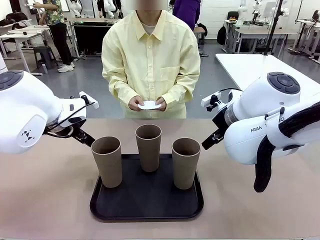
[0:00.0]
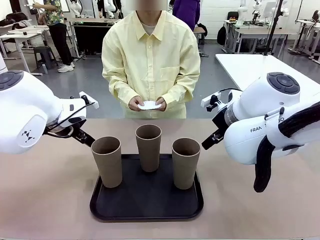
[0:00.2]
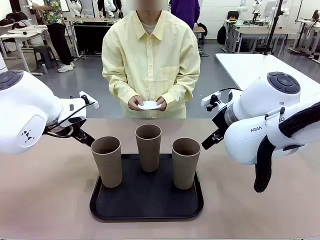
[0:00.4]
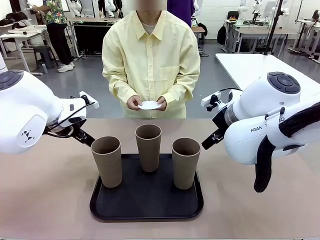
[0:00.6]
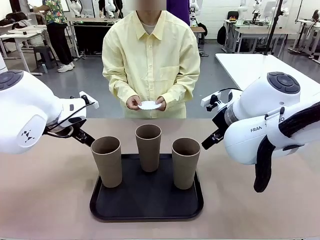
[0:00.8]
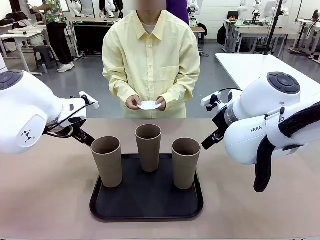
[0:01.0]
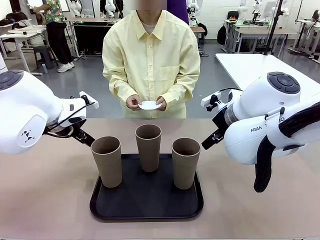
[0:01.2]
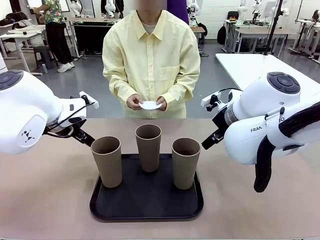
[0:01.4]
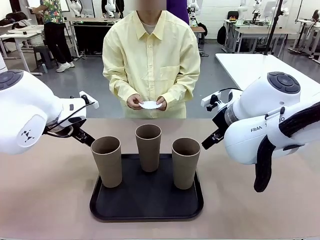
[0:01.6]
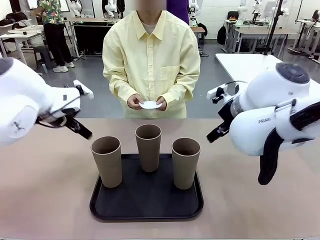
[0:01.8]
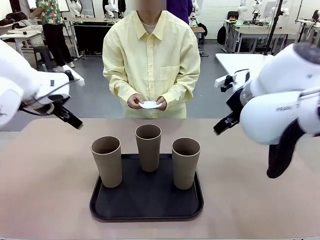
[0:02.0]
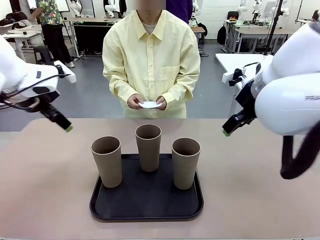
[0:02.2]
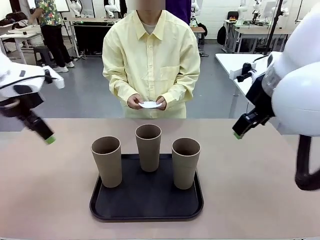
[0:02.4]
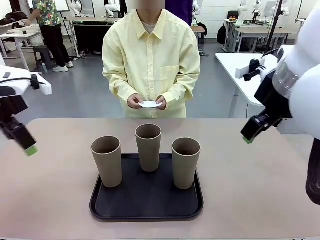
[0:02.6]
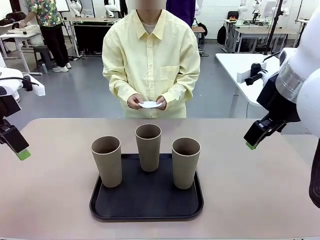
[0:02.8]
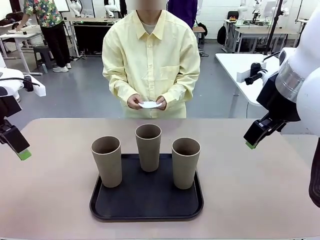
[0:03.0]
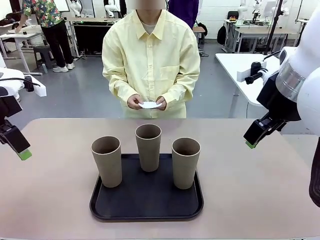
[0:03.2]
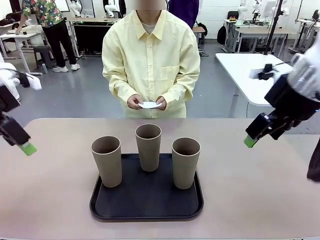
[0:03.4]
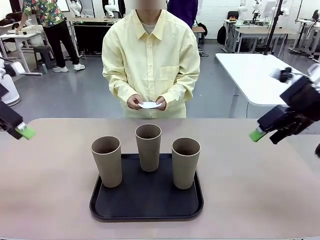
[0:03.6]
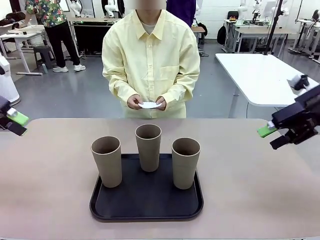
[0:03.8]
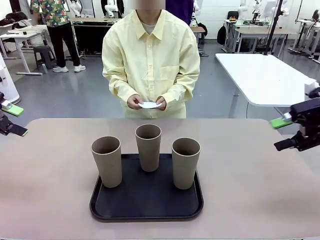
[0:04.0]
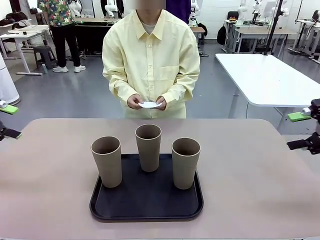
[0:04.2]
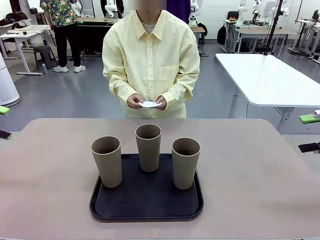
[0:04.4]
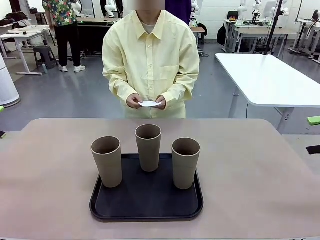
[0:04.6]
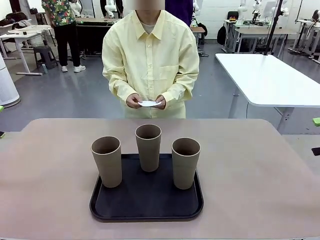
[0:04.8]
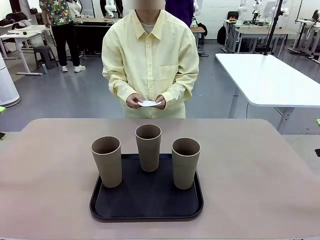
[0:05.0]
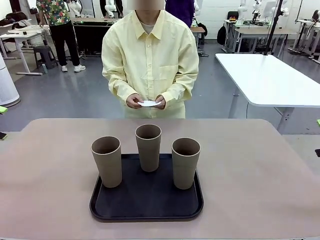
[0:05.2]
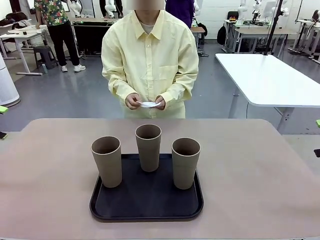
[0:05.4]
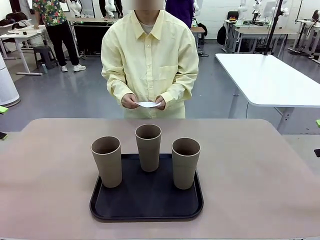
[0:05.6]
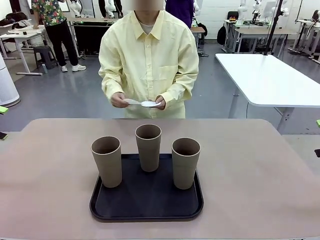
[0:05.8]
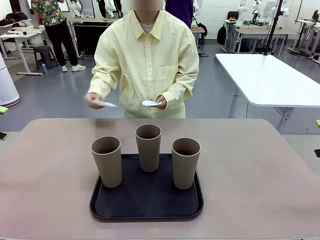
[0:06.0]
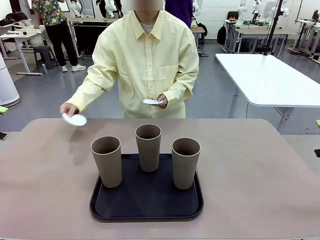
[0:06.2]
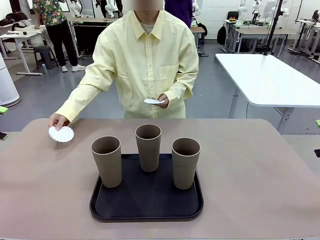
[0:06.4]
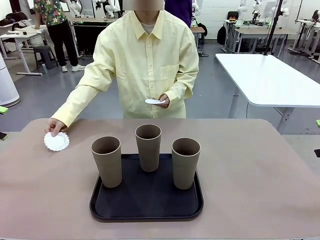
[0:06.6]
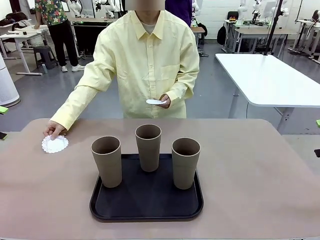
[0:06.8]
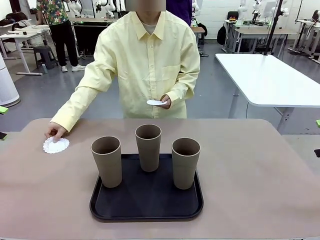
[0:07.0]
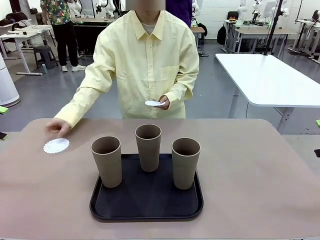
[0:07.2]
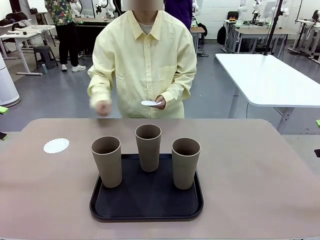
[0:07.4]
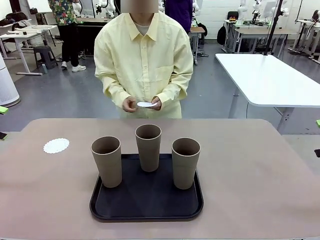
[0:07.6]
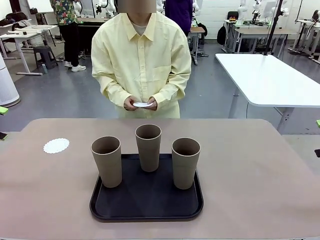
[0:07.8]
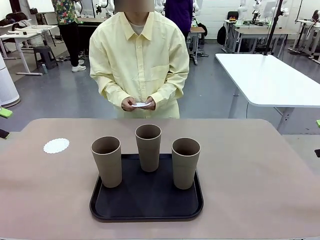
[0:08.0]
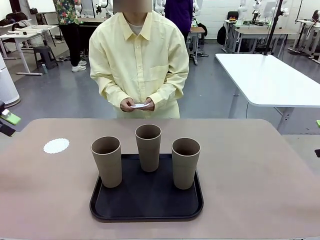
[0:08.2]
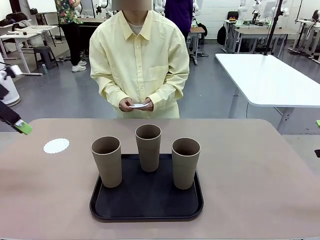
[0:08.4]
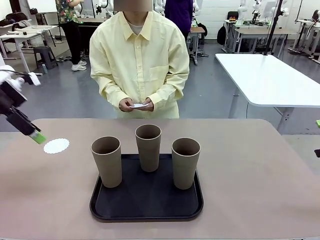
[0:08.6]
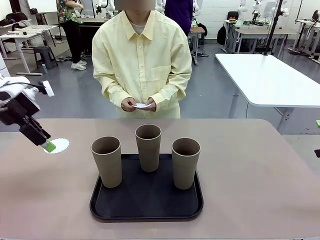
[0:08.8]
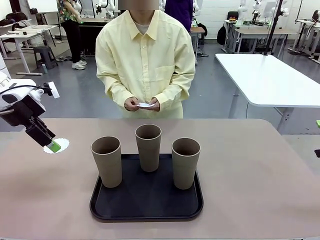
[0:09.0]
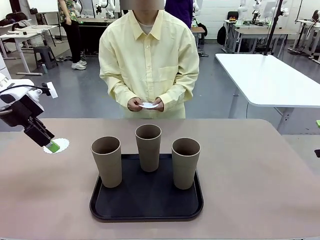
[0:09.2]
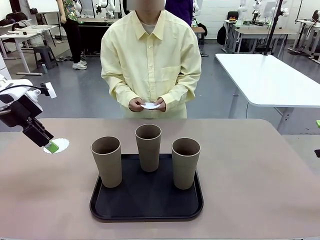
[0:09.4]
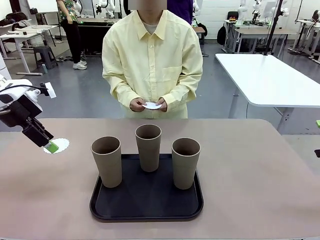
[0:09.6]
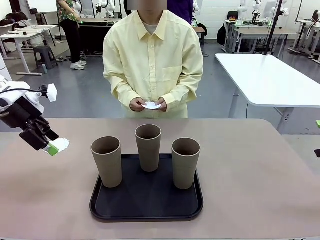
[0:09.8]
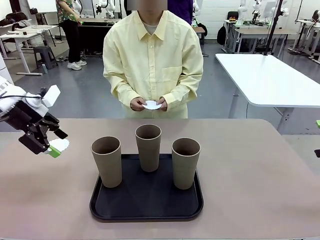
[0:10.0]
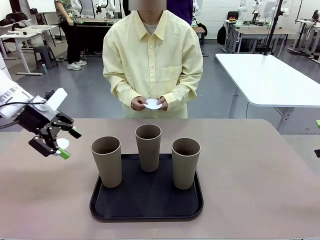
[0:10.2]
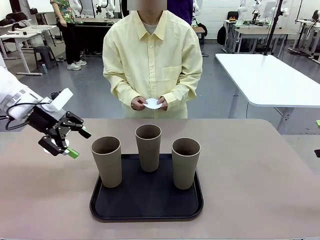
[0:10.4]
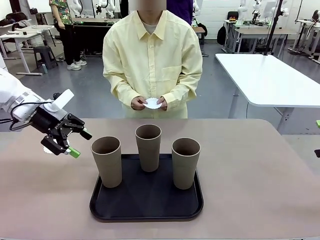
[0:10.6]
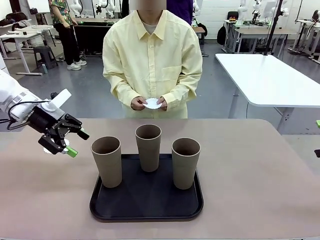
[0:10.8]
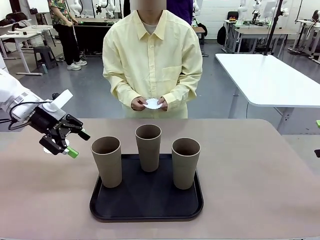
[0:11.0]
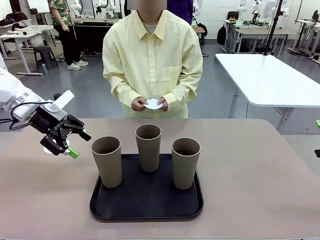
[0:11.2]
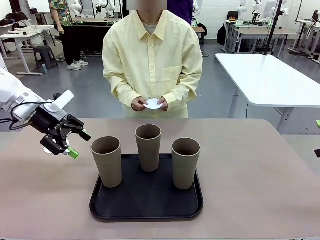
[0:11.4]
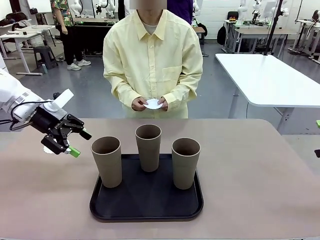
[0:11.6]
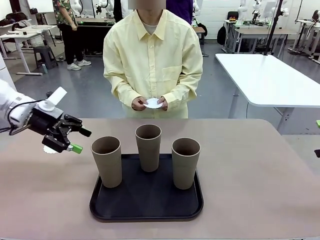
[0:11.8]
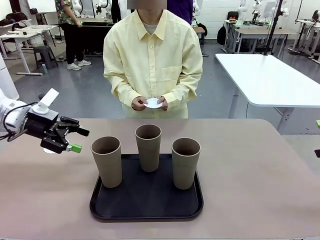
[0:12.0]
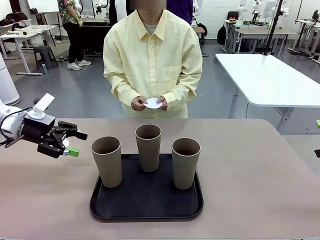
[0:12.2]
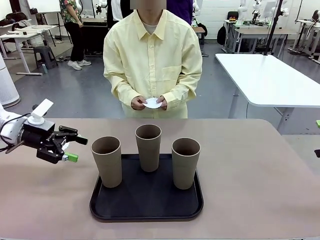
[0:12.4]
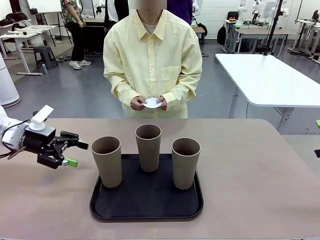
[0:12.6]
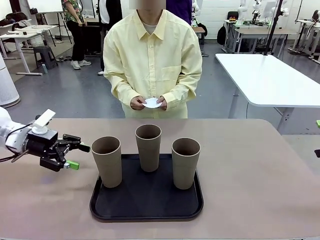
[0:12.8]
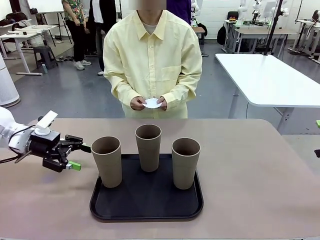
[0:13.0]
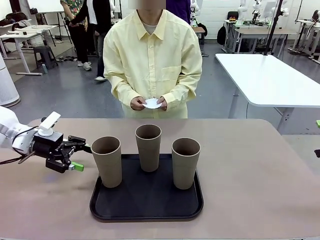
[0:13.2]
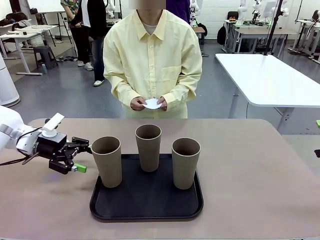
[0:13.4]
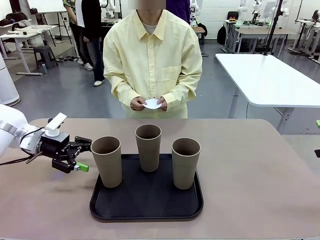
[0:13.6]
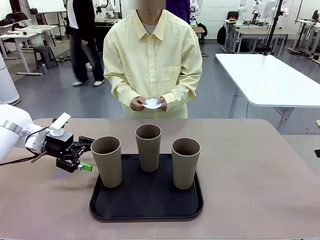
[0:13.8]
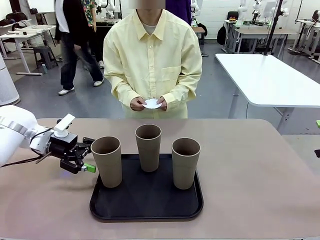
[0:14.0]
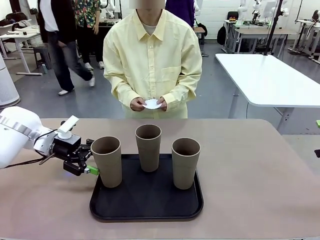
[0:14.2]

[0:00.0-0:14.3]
Task: Place coasters on the table and set cups on them.
Robot: Pick up one Reusable plastic cup and place it on a coaster set by the human.
Person: Place one coaster in any one of the three lower areas of the robot table (left, center, or right).
